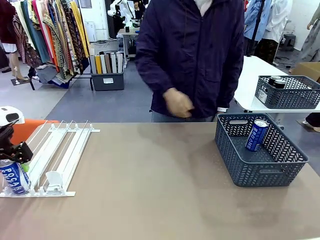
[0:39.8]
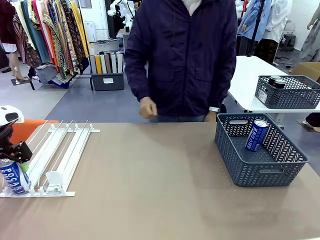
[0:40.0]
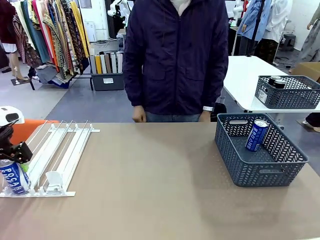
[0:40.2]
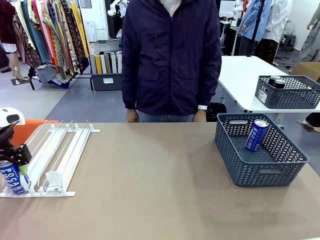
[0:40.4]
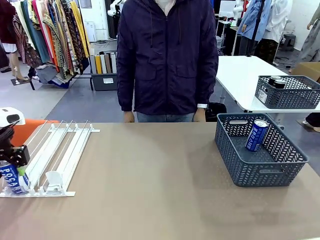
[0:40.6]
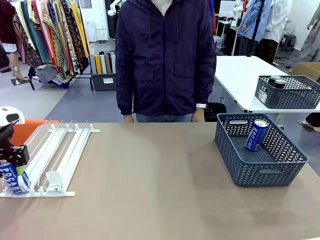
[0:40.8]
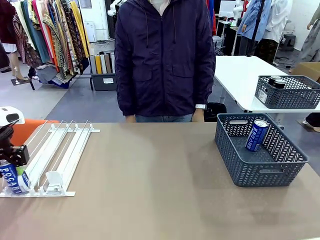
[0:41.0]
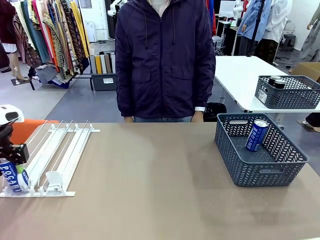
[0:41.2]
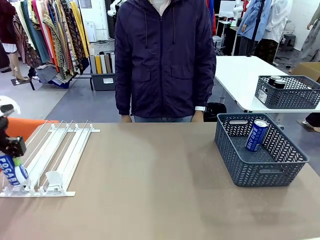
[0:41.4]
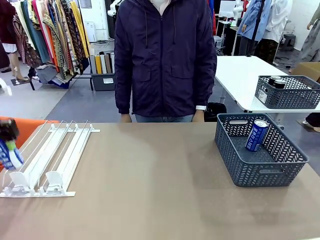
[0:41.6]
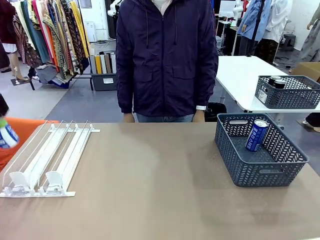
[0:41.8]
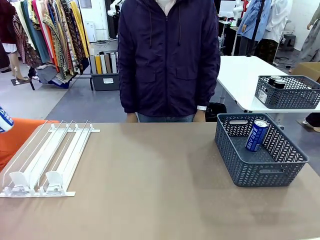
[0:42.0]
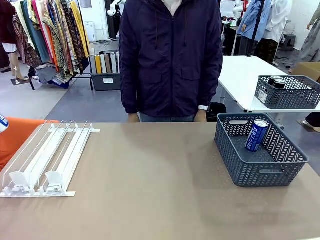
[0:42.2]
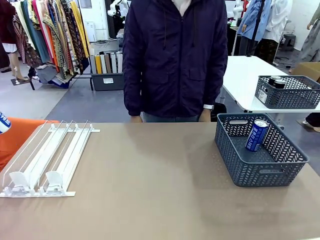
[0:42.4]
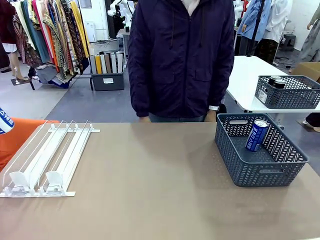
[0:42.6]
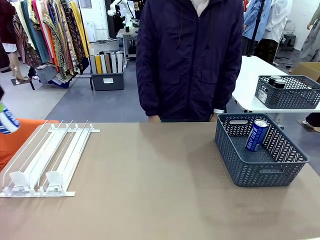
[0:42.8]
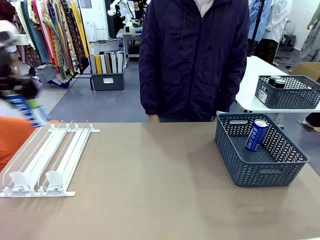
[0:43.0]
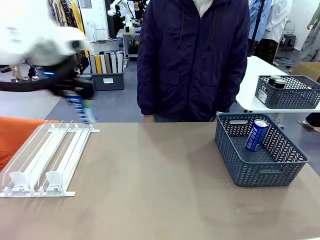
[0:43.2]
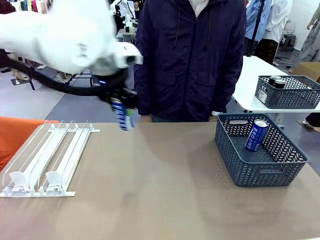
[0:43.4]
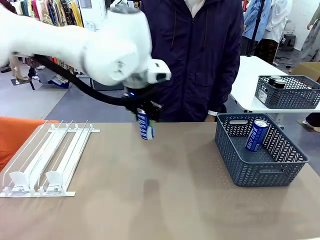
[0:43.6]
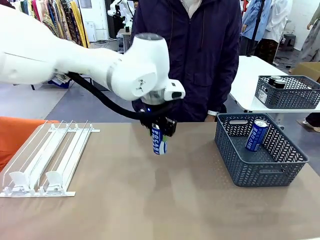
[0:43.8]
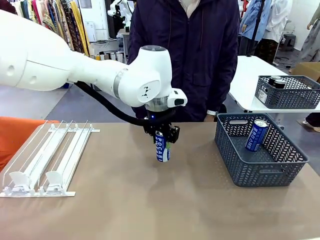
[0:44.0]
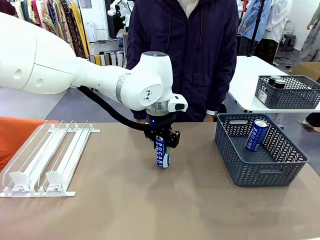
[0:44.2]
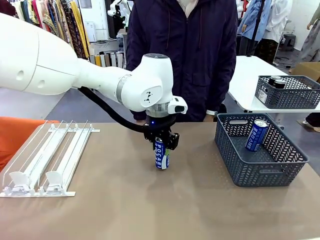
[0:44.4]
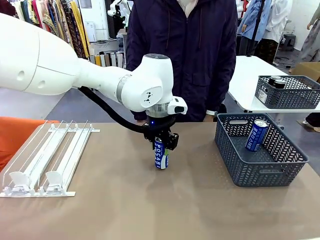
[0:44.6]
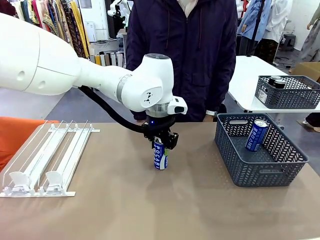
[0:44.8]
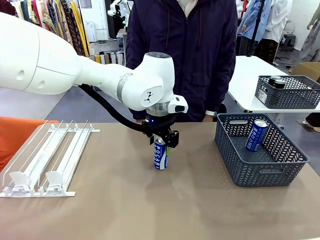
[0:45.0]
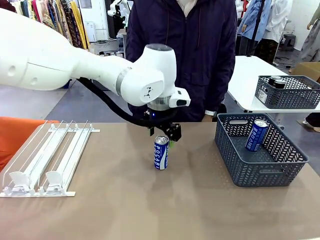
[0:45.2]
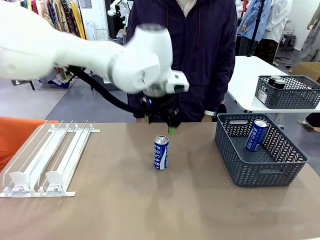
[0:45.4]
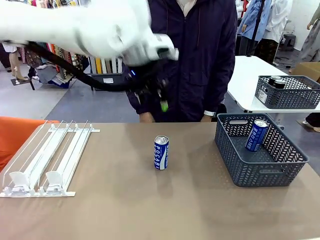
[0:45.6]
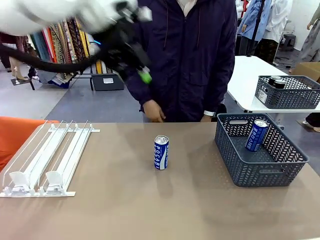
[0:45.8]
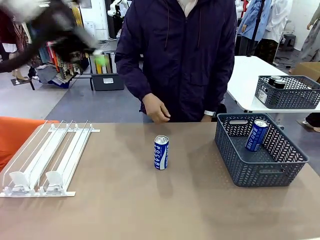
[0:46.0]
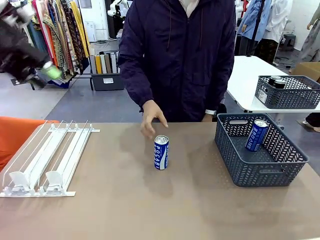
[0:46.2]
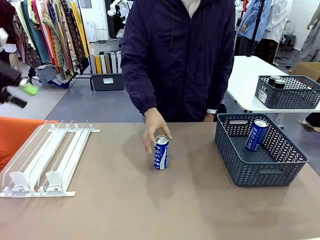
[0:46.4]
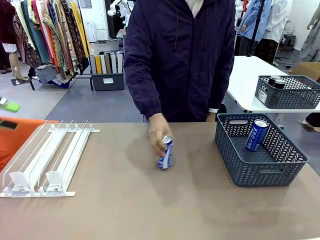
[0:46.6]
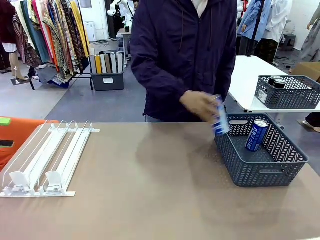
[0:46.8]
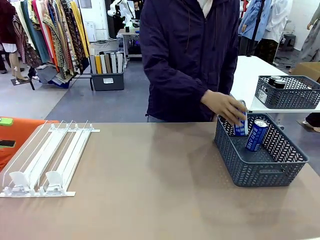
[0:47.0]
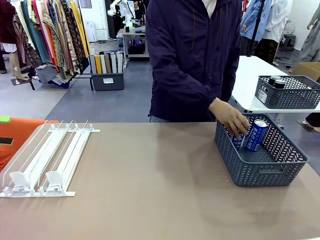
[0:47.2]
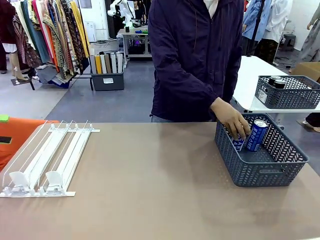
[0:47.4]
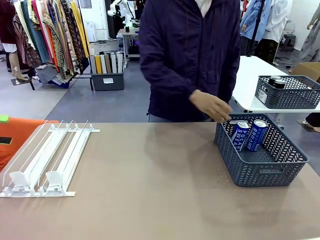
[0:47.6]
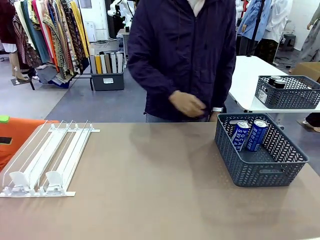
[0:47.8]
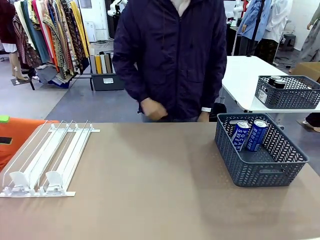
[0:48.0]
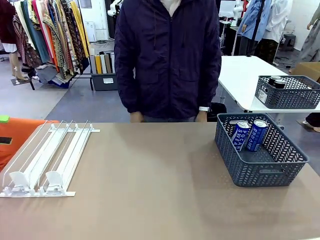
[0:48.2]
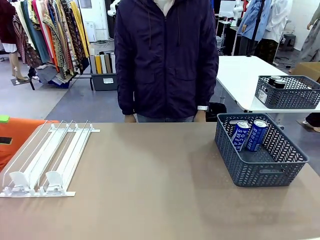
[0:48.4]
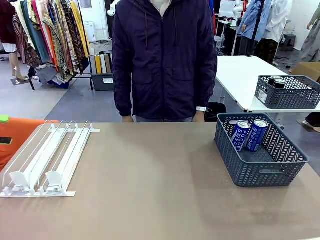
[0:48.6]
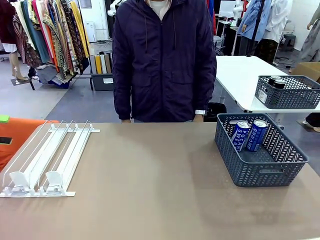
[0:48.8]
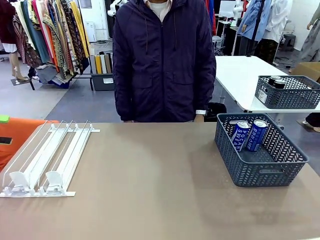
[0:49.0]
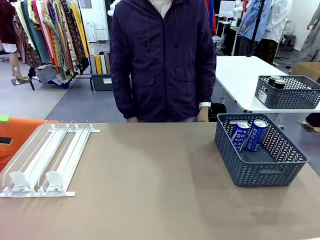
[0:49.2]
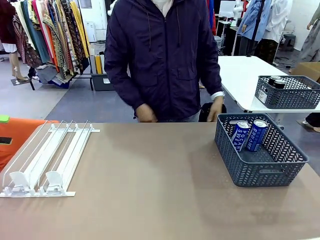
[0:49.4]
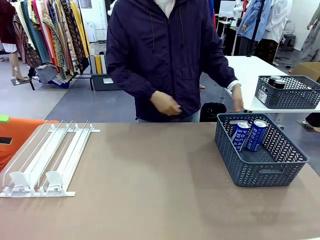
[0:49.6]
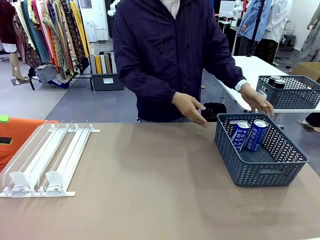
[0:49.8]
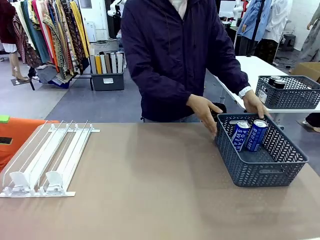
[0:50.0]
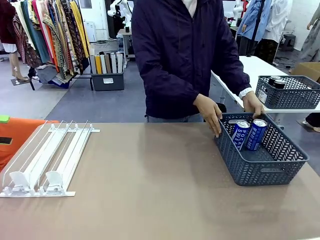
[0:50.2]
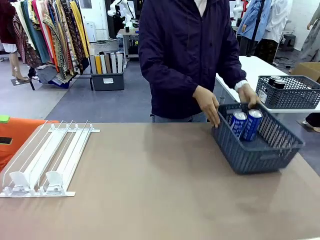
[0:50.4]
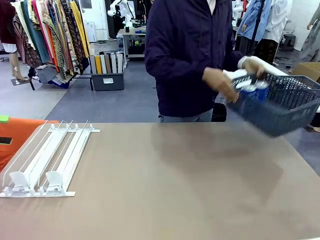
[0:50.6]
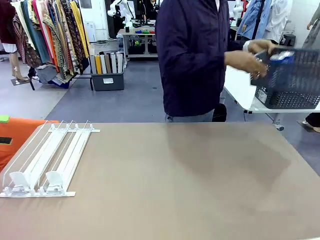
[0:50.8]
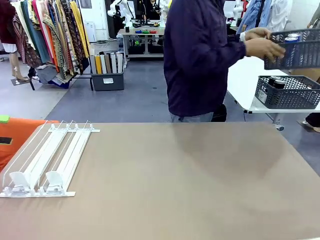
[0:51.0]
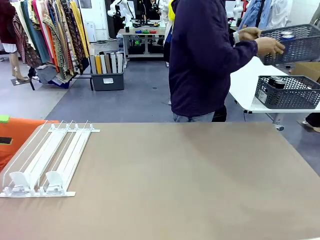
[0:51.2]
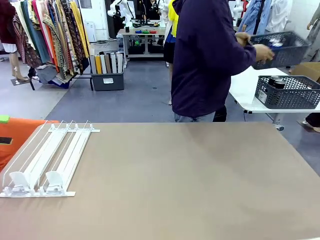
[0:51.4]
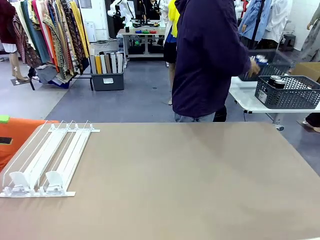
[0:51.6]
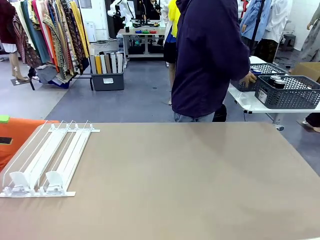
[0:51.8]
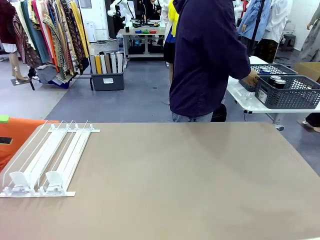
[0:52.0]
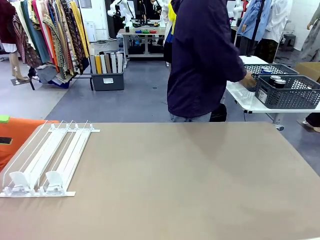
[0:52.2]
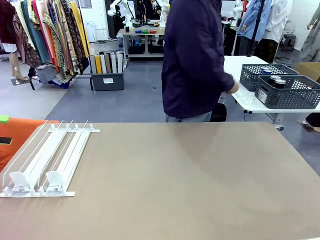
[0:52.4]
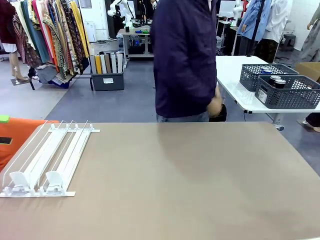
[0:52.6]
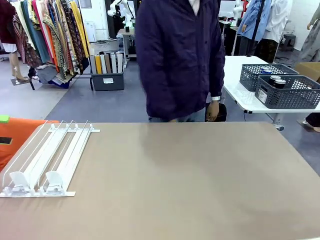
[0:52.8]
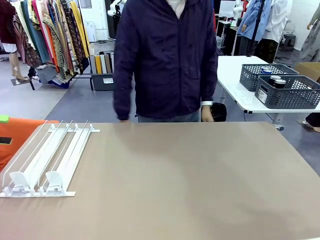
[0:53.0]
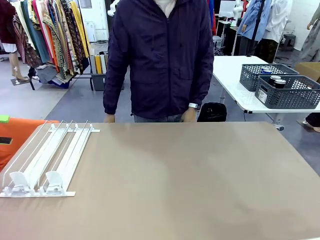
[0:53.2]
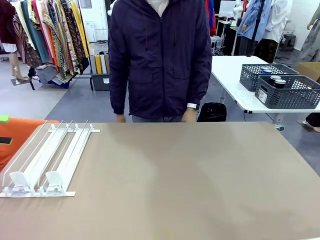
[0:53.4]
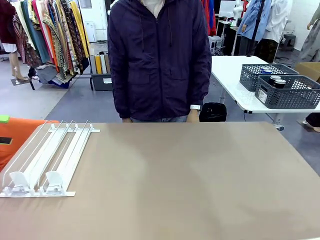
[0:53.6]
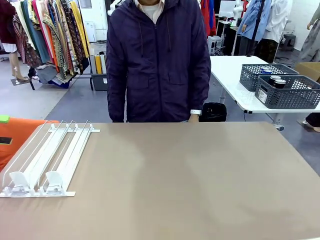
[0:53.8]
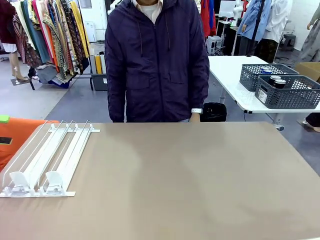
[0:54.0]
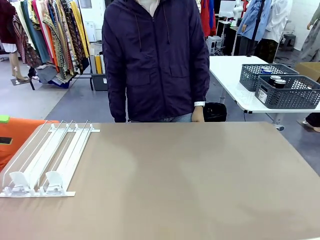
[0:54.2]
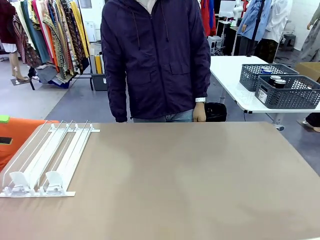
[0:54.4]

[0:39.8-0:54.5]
Task: Retrieve and store the cans from the dispenser.
Robot: Pick up one can from the Automatic Can Dispenser and place it in the middle of the table.
Person: Pick up one sports drink can from the middle of the robot table and place it in the basket. Pick up the basket and place it in the middle of the human table.
